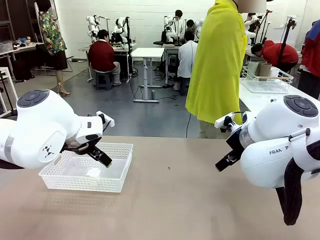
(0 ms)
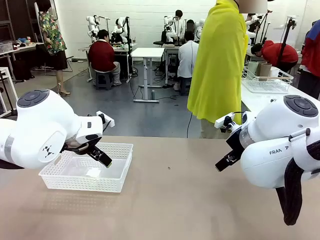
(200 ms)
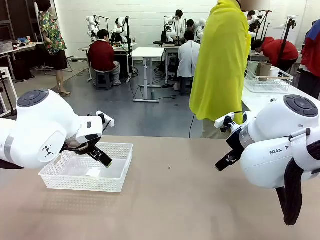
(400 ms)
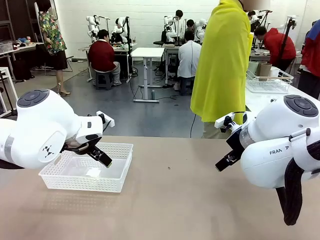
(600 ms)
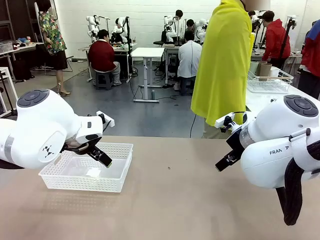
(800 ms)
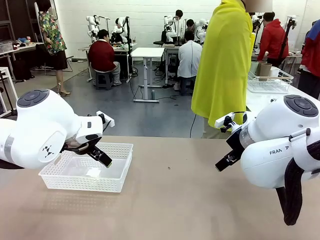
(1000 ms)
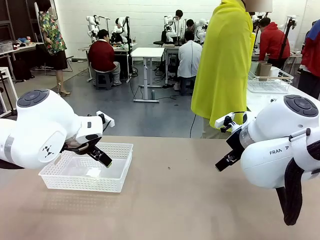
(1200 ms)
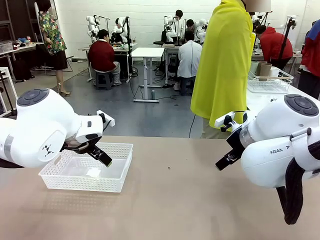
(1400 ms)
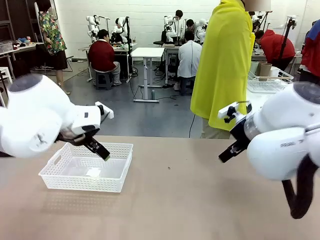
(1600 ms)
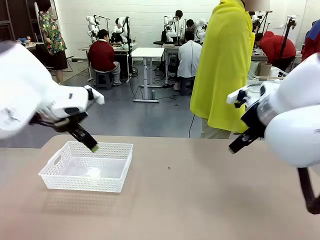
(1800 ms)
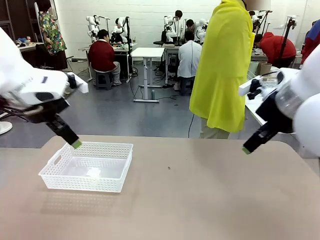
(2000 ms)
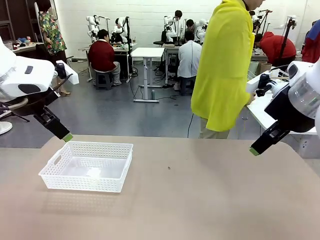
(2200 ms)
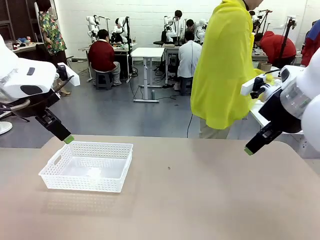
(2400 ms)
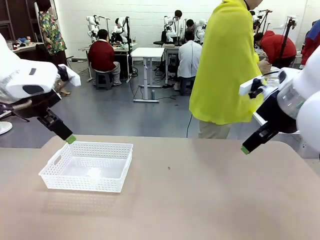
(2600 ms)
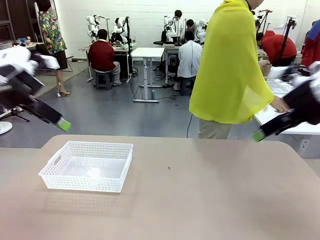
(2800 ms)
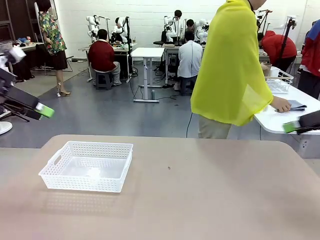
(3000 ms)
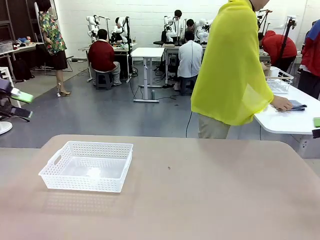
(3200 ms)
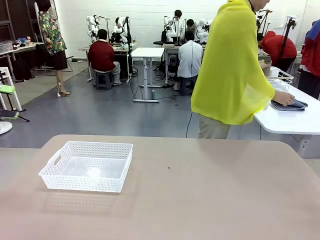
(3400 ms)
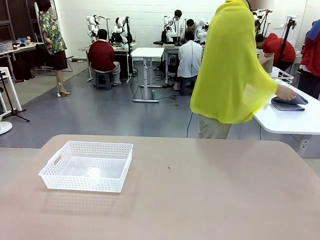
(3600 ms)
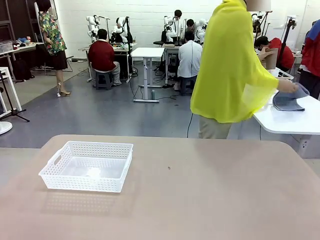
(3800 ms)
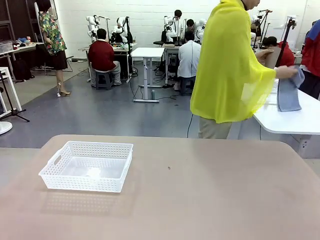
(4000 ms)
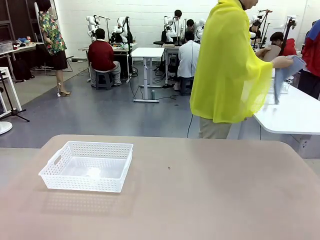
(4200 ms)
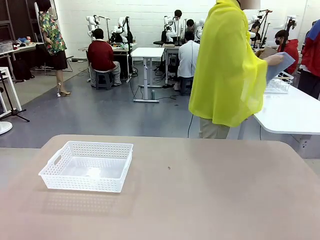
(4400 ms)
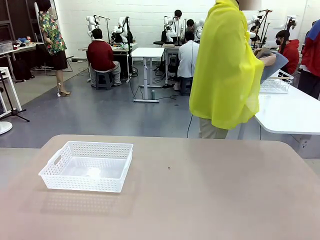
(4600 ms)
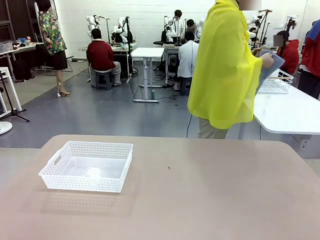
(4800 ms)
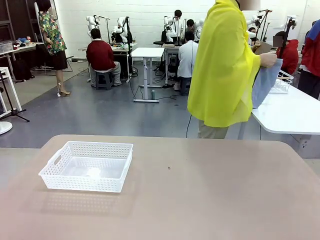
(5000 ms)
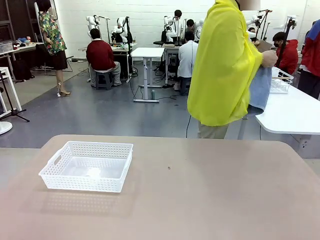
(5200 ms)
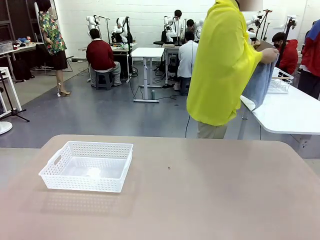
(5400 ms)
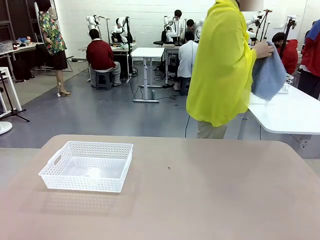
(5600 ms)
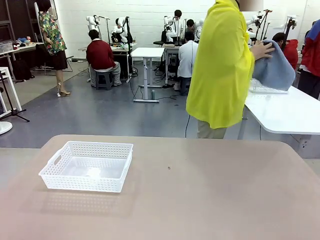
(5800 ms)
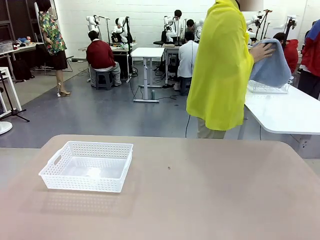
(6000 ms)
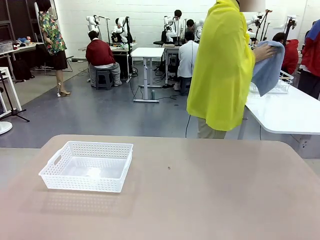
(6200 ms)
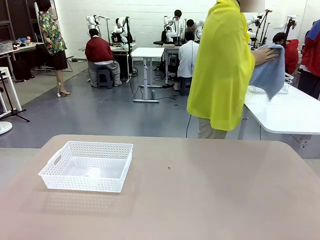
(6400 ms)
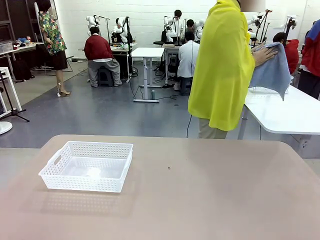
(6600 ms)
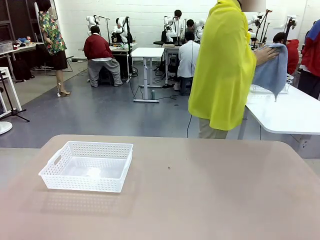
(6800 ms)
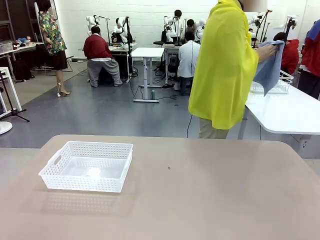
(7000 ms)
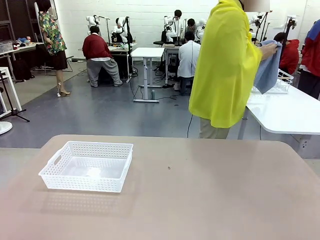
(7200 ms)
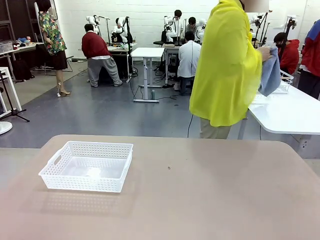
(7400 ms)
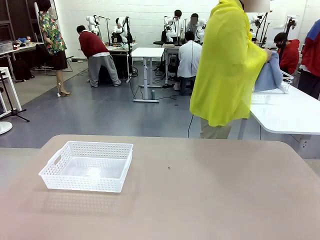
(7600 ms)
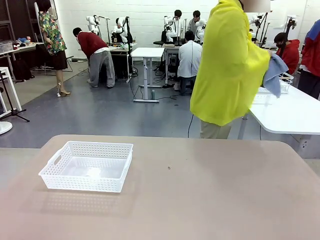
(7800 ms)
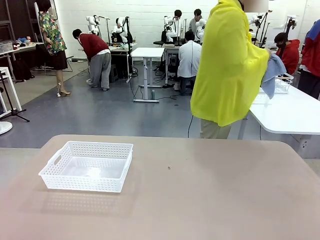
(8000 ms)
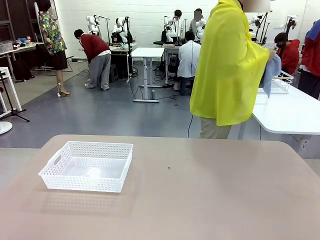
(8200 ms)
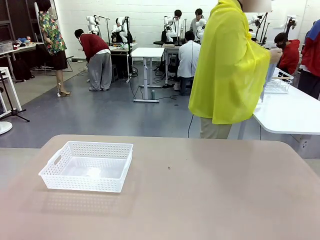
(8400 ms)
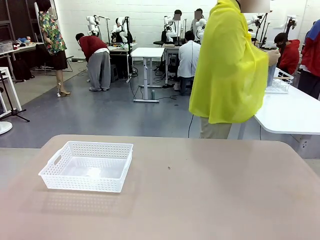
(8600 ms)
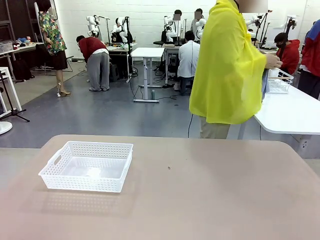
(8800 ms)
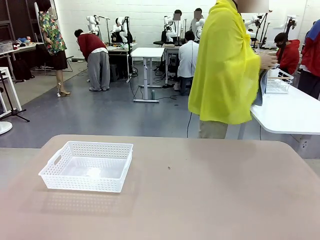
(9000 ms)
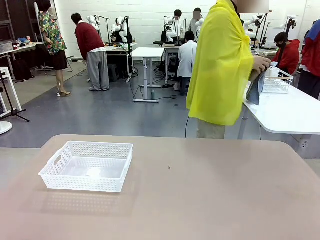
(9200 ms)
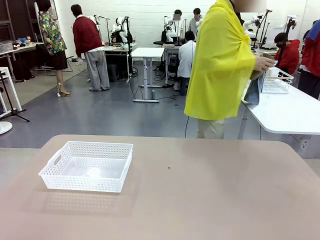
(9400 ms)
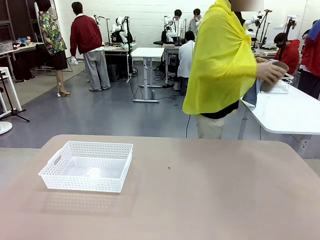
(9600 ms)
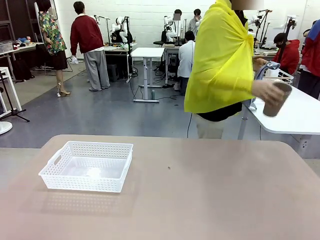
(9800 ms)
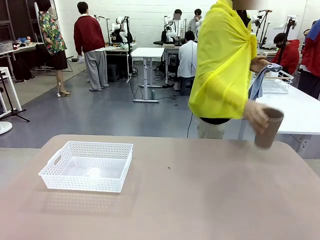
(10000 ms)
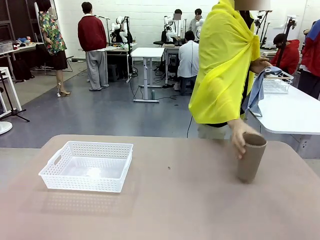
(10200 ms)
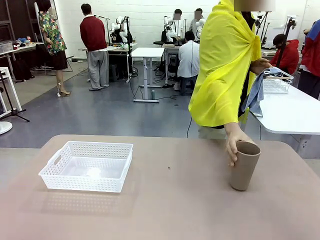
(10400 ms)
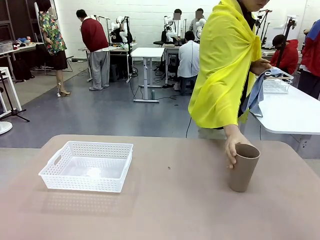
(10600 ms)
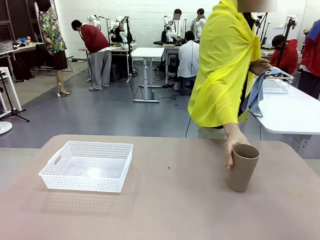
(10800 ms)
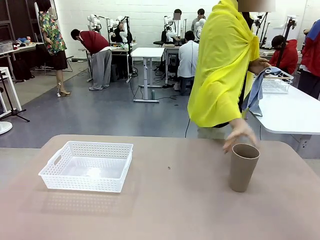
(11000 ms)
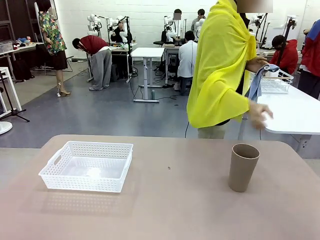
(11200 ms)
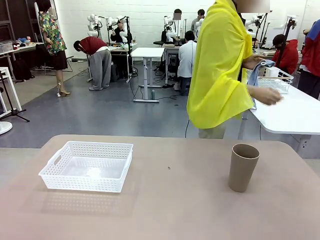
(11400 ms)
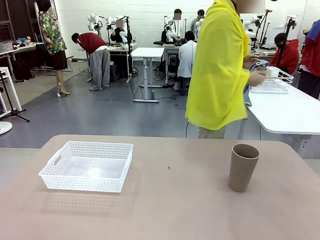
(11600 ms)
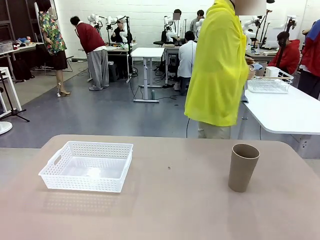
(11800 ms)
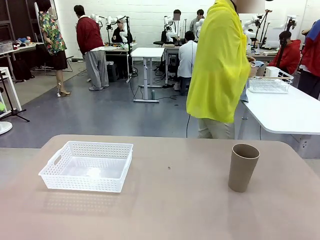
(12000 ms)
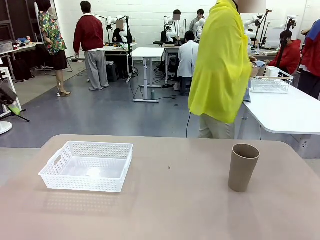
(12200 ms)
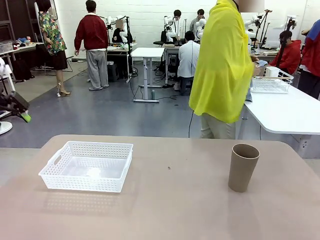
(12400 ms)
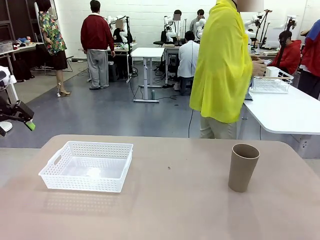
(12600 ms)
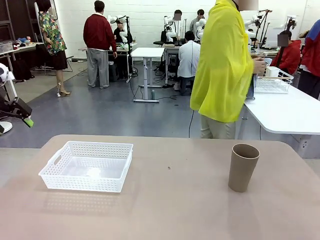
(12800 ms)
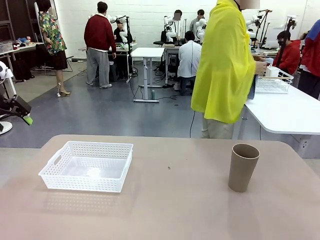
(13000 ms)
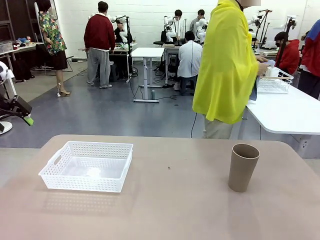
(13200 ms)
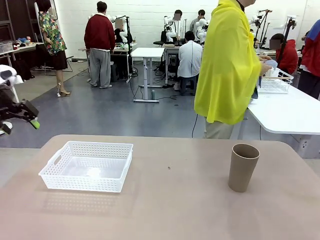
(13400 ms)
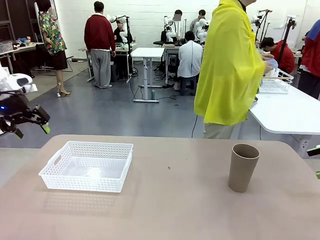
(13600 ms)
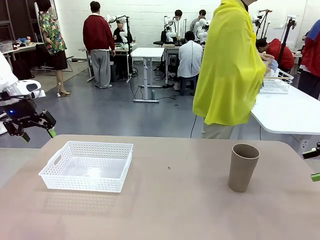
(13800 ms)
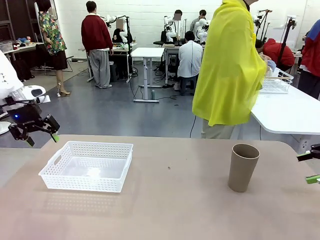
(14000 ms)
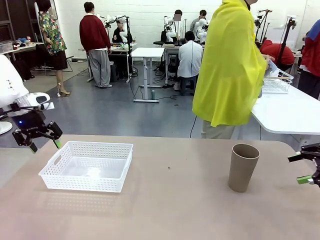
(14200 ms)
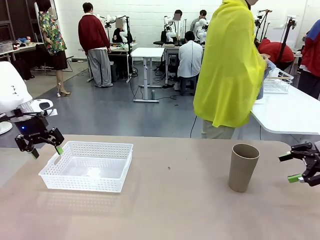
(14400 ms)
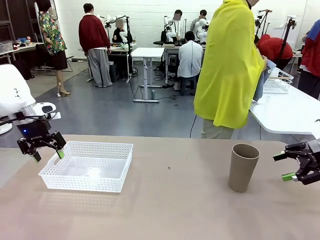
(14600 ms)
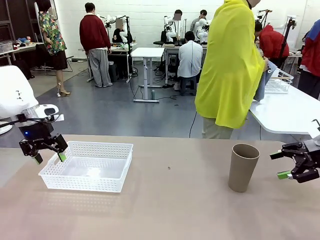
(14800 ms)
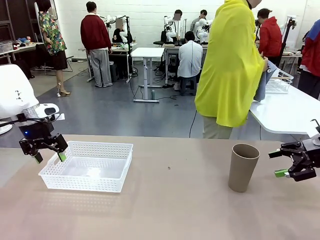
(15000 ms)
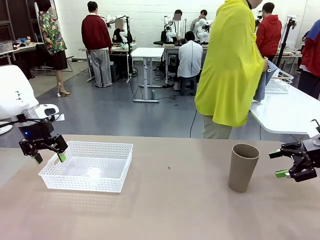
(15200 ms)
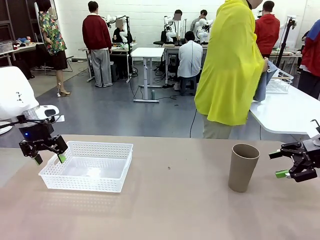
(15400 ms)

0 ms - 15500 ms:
Task: Clean and organize the cups into the basket.
Robot: Pick up the Organizing basket and move it to the center of the table, then pick up the Reusable plastic cup from the right side of the table and place it inside the Organizing basket.
Person: Picks up a cup and a towel, cleans the cup with the towel, and places it on the left side of the robot table.
